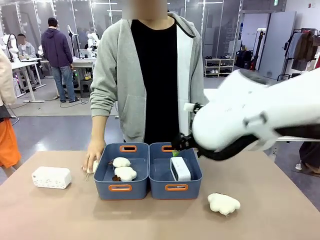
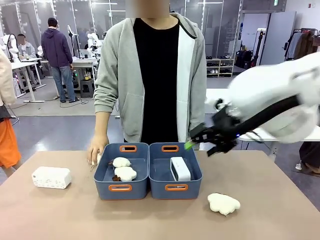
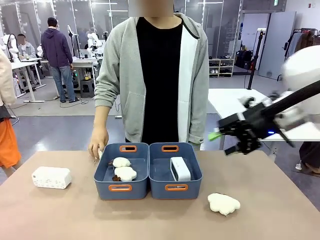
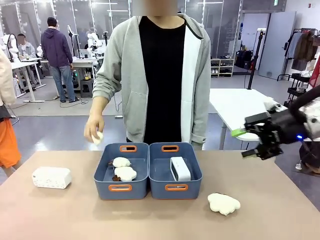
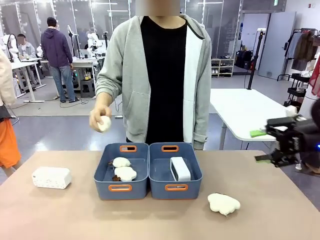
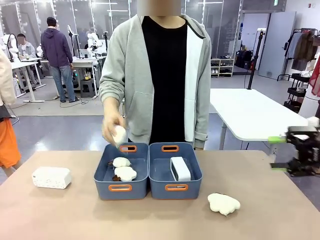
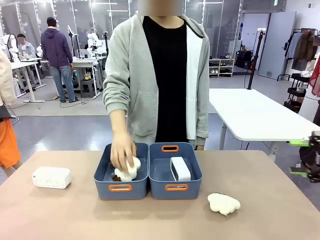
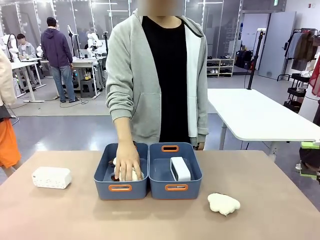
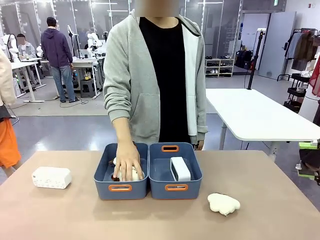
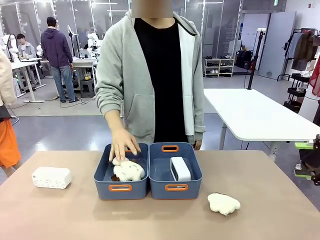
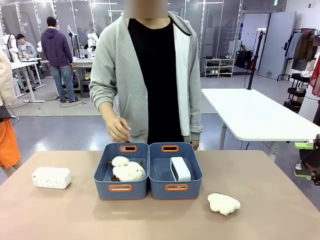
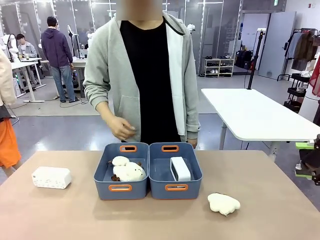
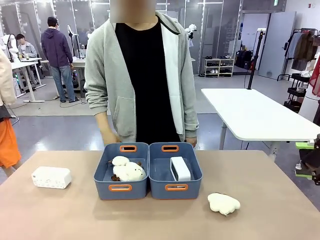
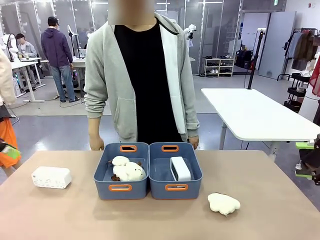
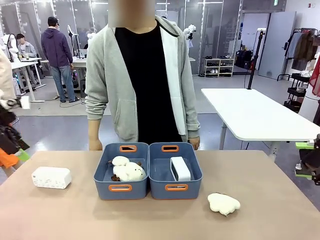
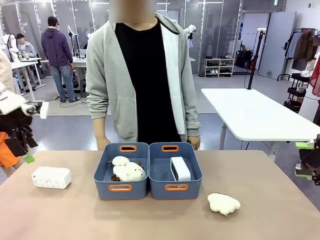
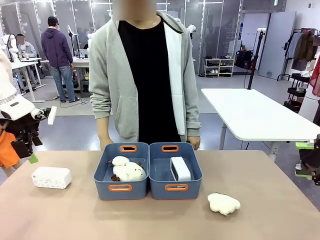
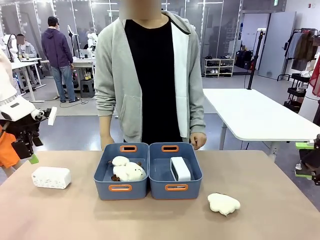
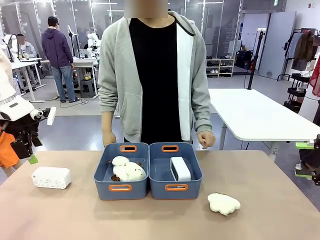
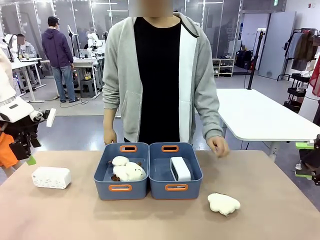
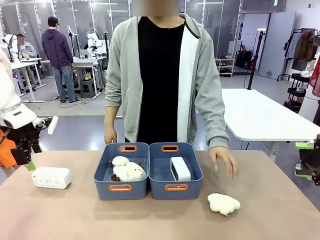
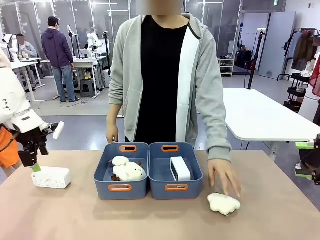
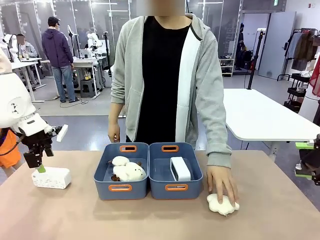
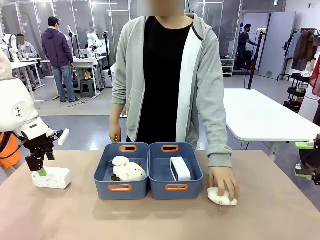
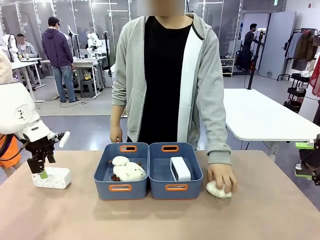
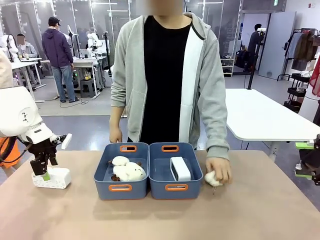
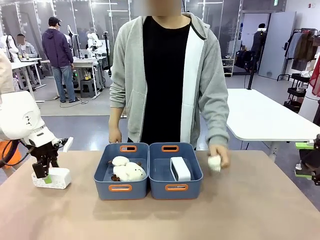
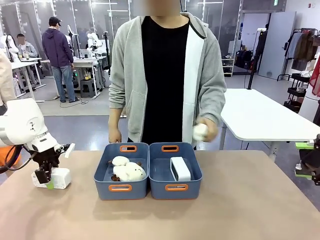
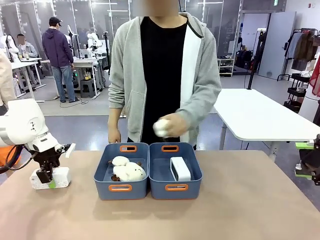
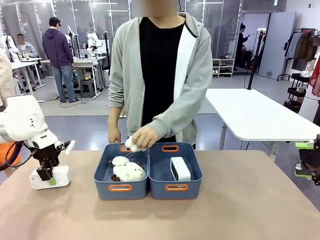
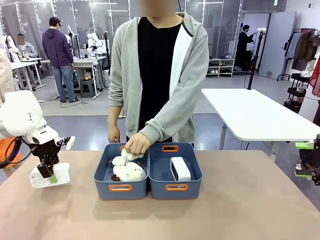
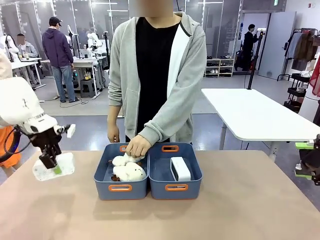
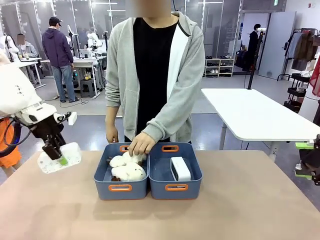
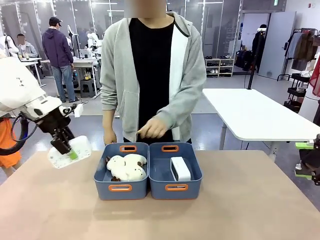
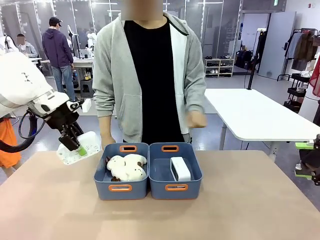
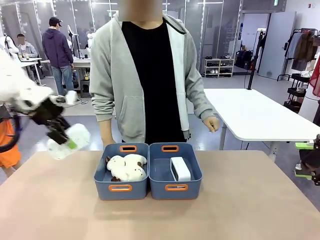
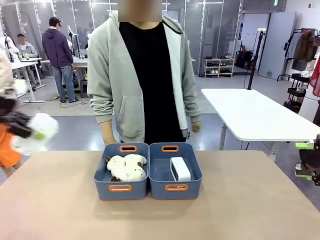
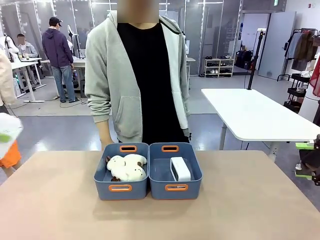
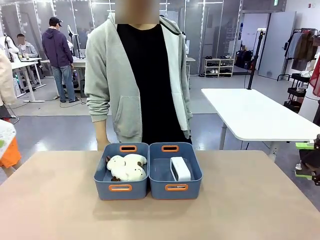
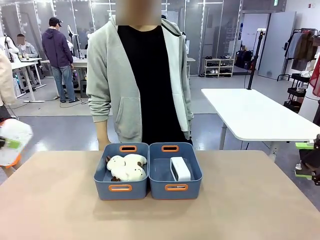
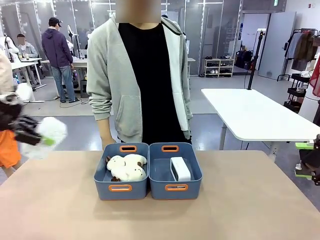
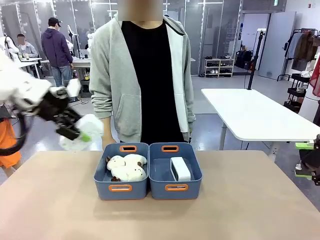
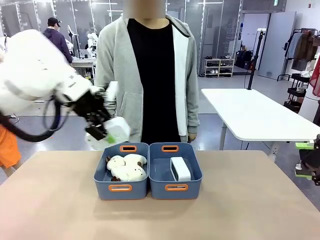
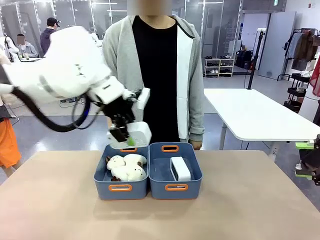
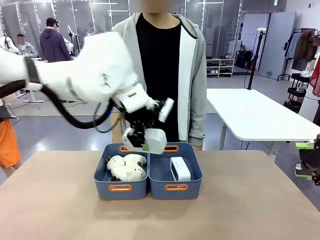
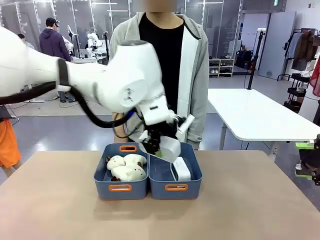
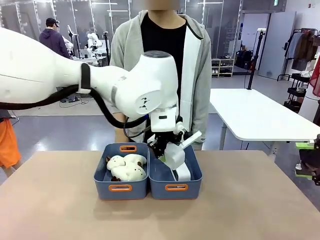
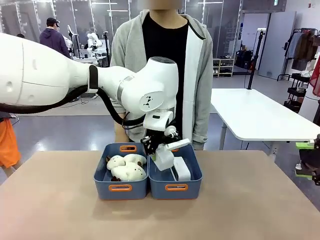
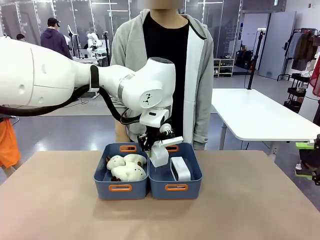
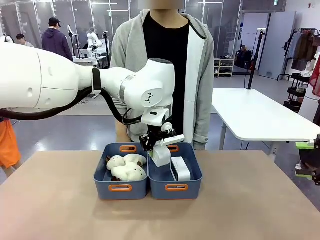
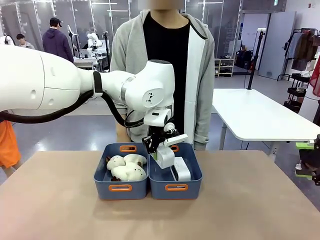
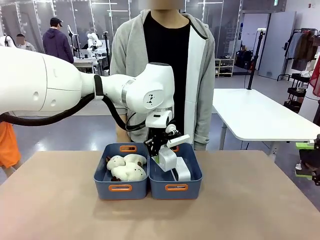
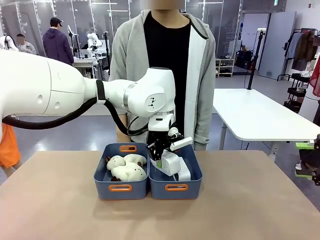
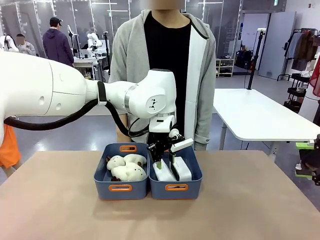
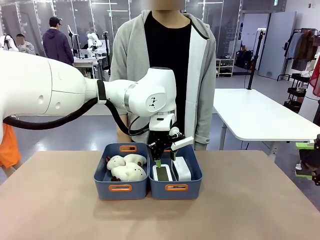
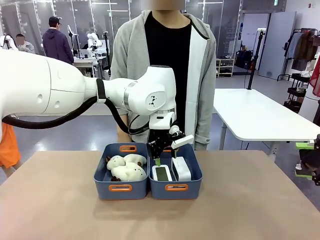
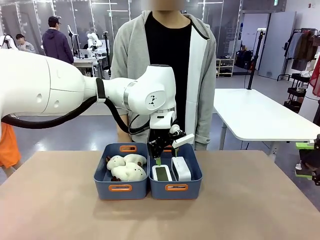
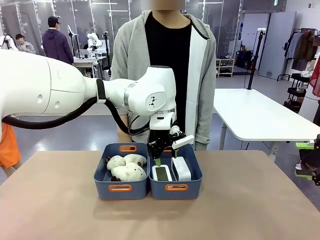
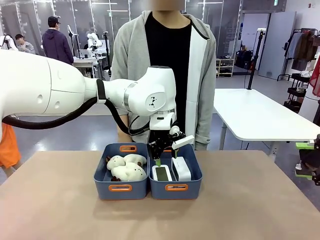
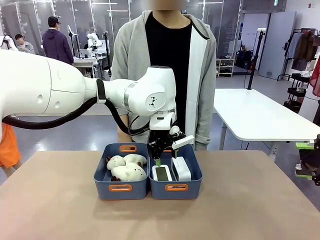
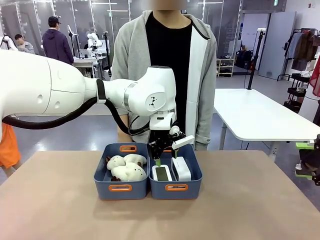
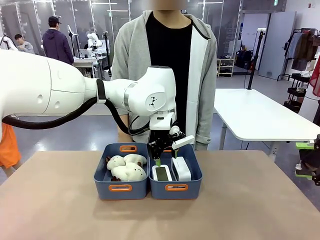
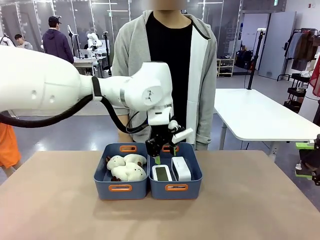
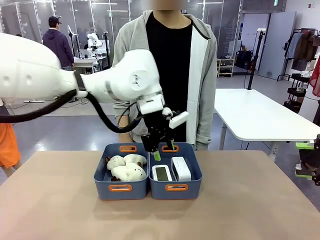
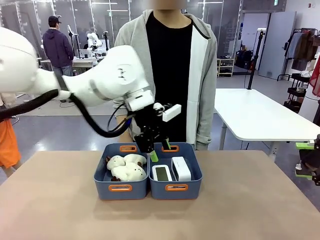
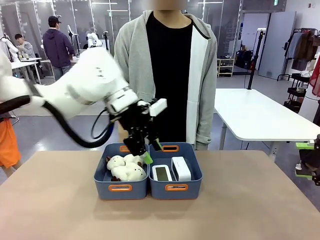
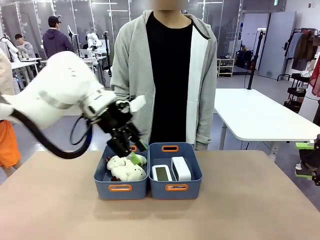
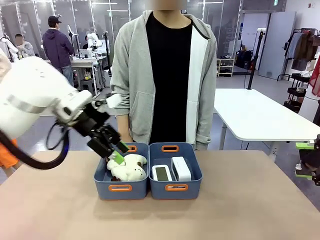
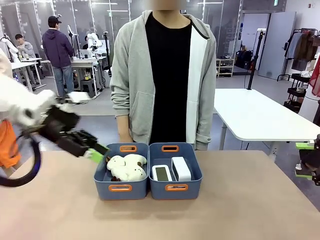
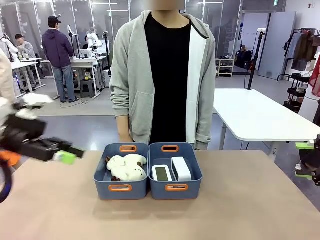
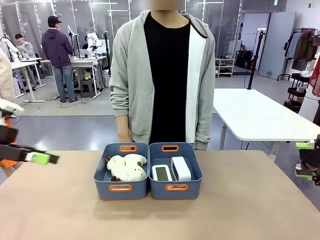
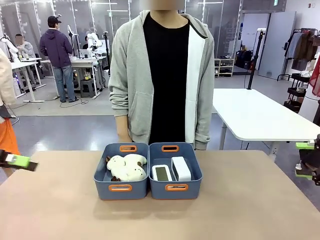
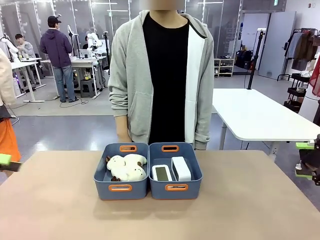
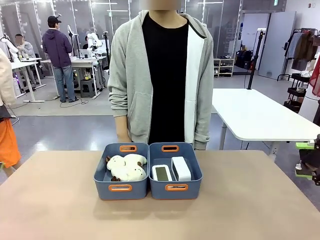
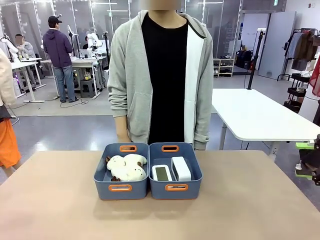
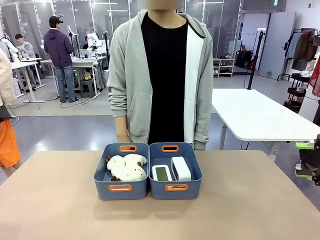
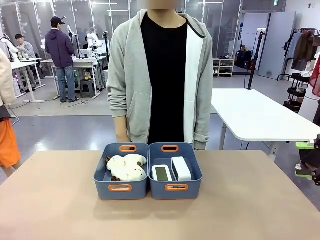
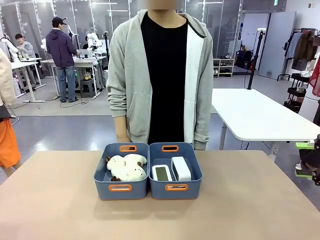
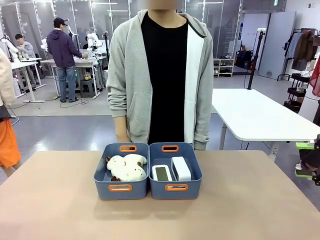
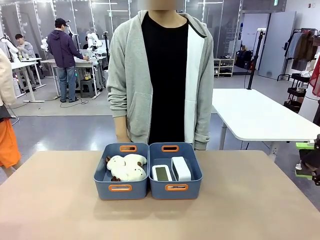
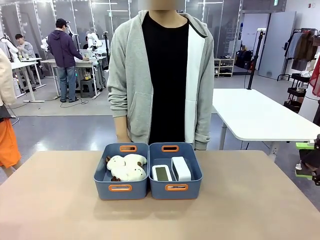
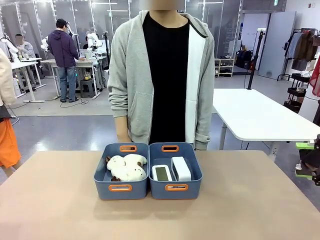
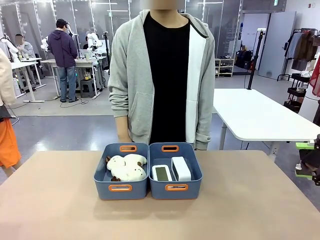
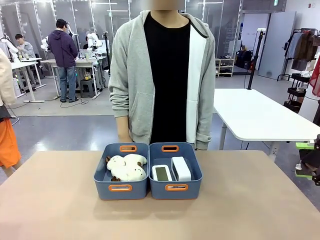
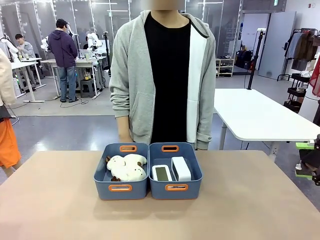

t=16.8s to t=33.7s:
Task: Sort the digital clocks into the basket.
Robot: Pick up the Digital clock from the table and place it into the empty Plastic storage basket.
Person: Pick up a plush toy from the table and place it in the plastic storage basket containing the plush toy.
